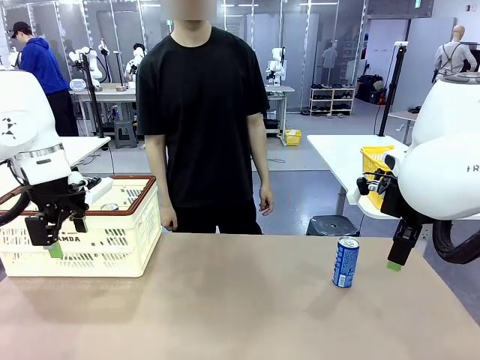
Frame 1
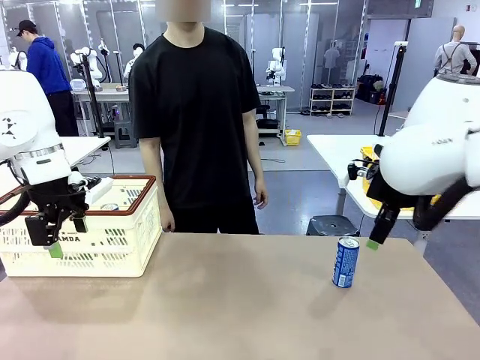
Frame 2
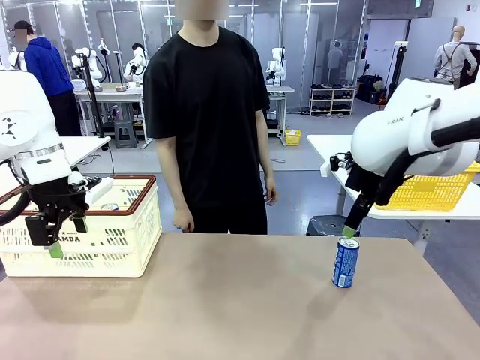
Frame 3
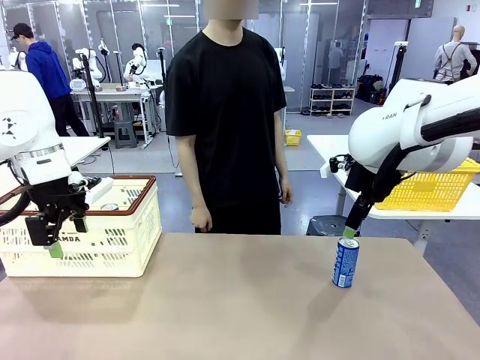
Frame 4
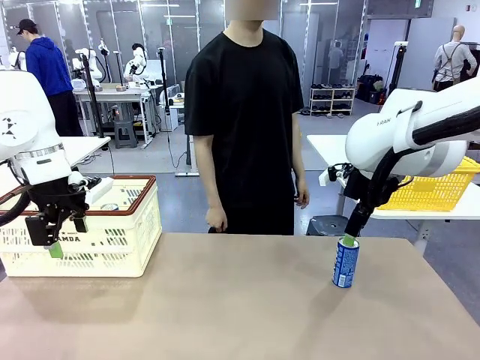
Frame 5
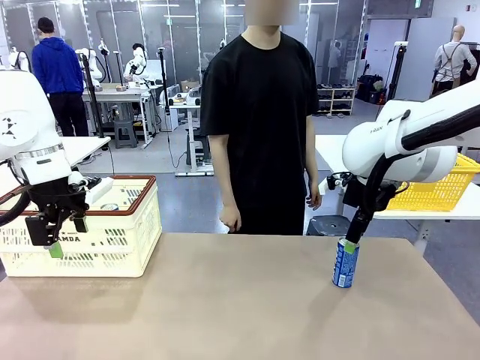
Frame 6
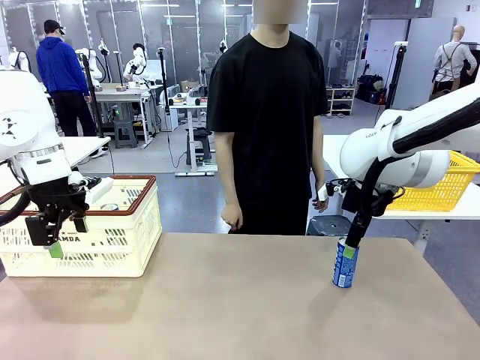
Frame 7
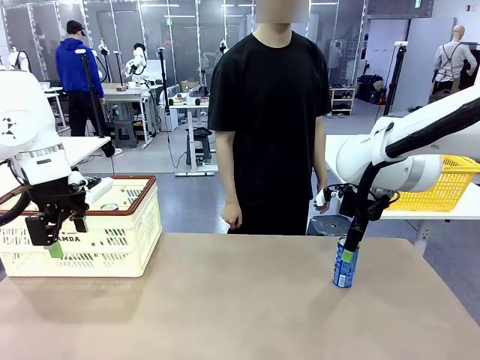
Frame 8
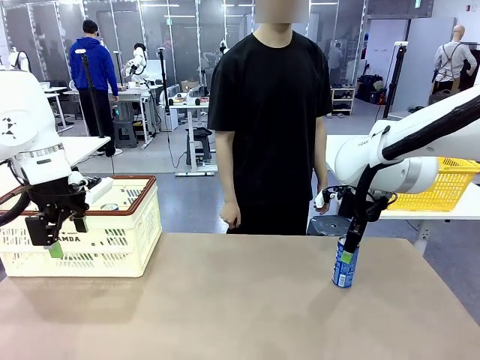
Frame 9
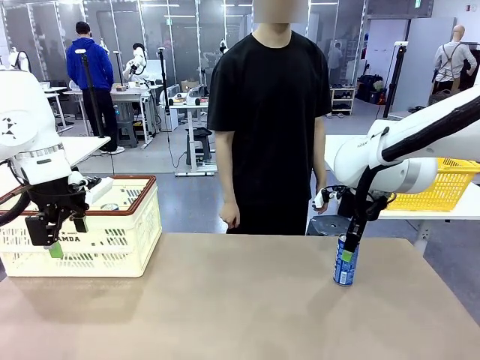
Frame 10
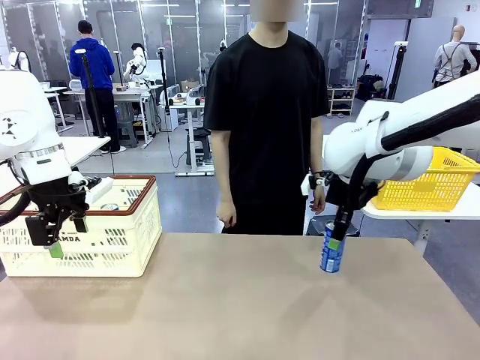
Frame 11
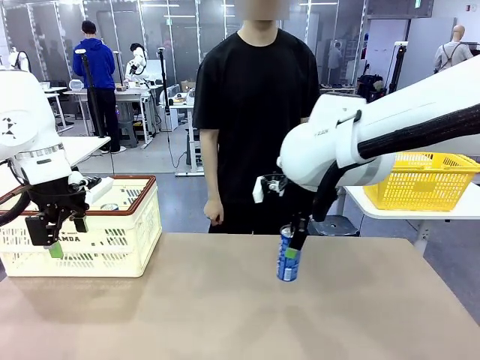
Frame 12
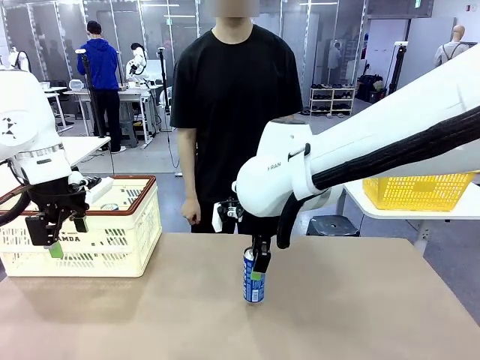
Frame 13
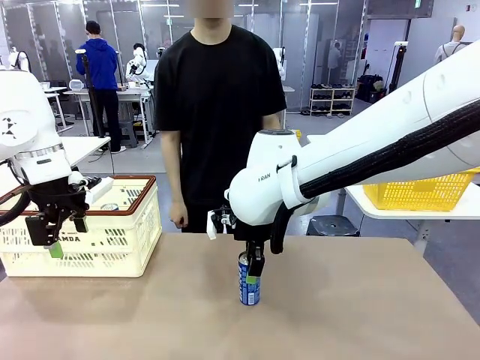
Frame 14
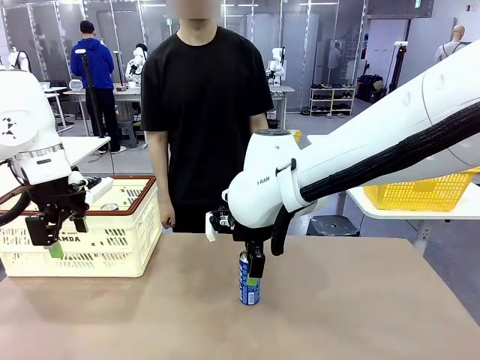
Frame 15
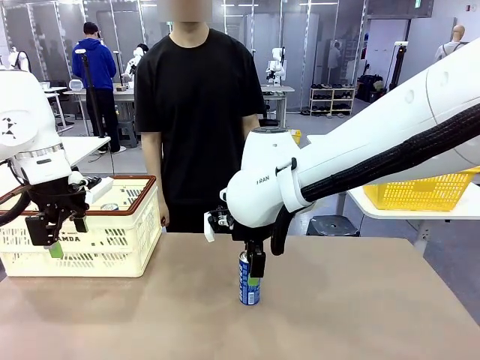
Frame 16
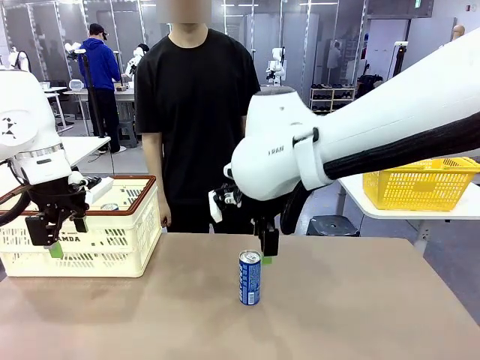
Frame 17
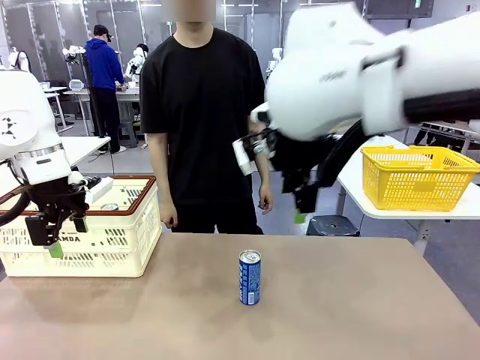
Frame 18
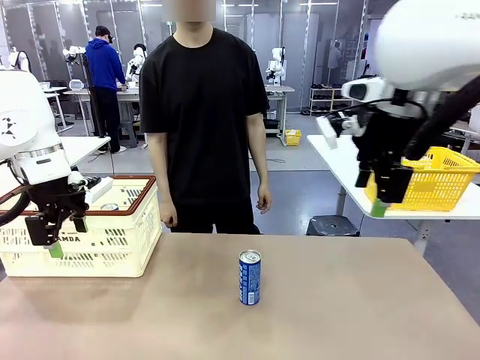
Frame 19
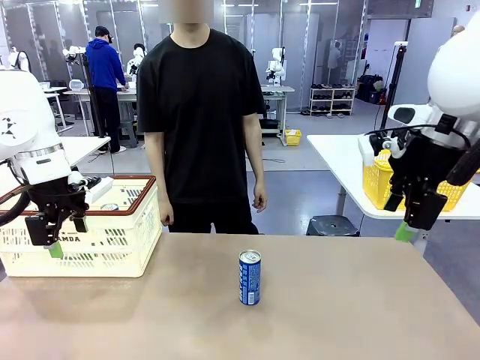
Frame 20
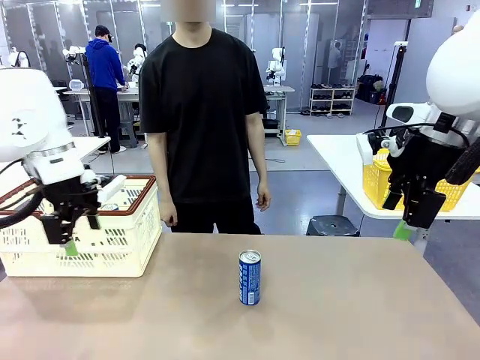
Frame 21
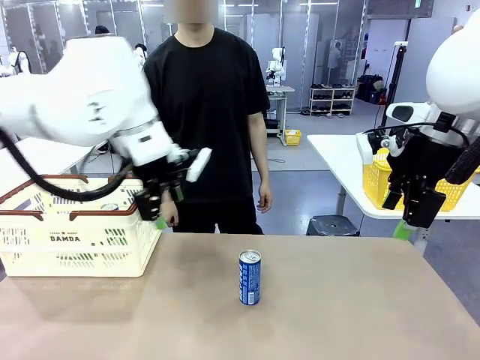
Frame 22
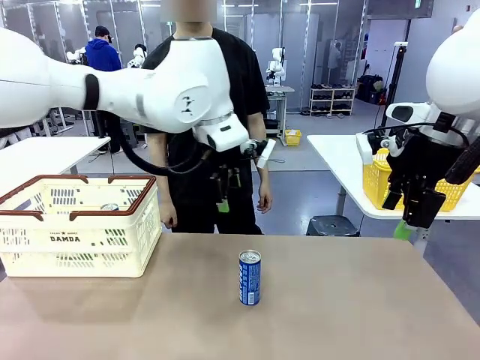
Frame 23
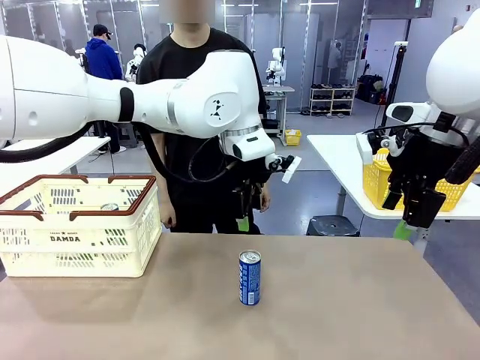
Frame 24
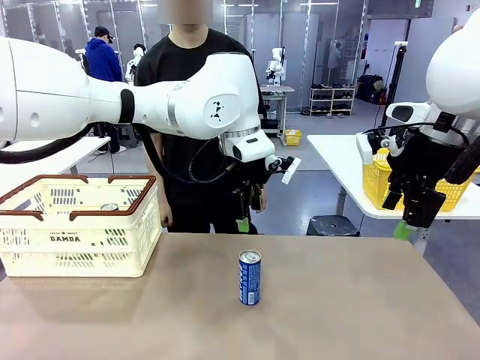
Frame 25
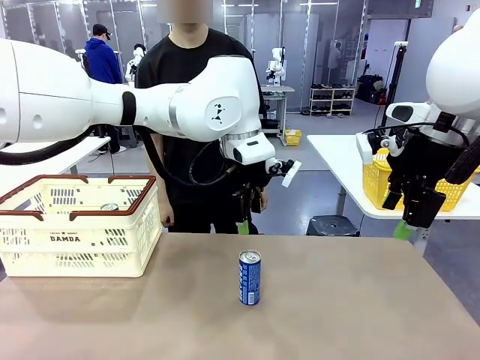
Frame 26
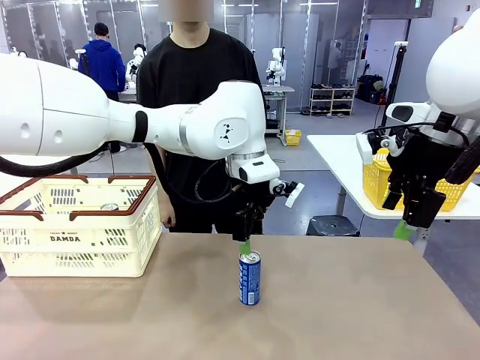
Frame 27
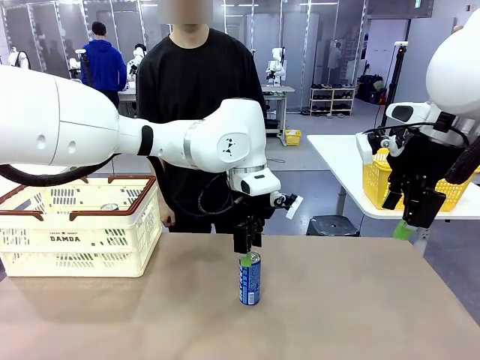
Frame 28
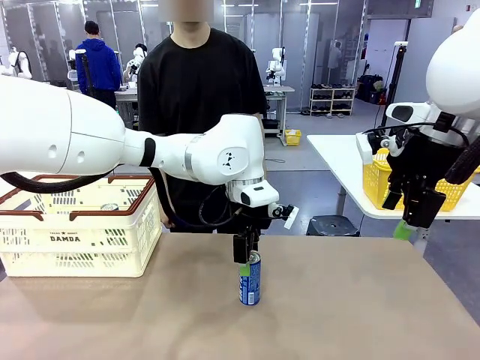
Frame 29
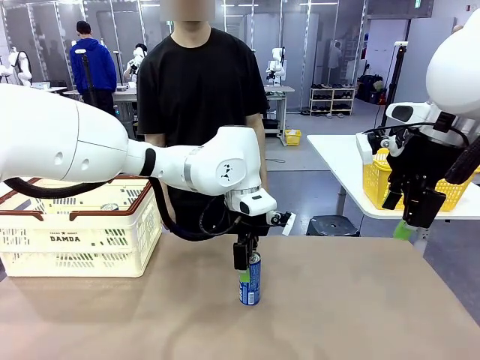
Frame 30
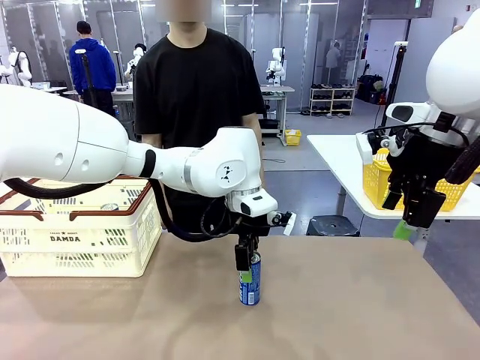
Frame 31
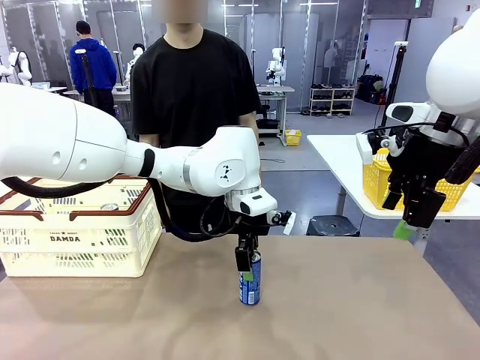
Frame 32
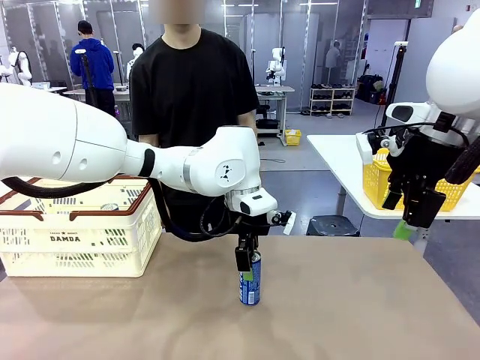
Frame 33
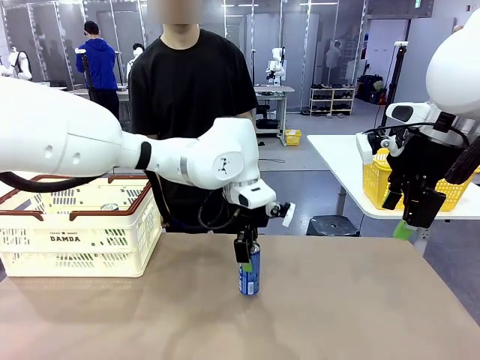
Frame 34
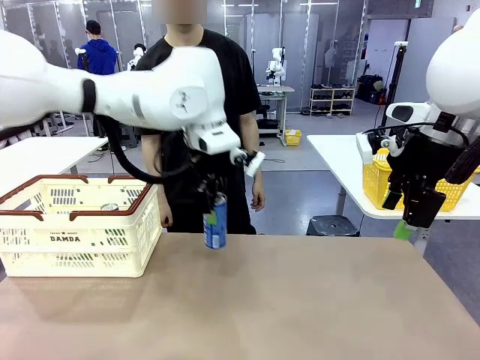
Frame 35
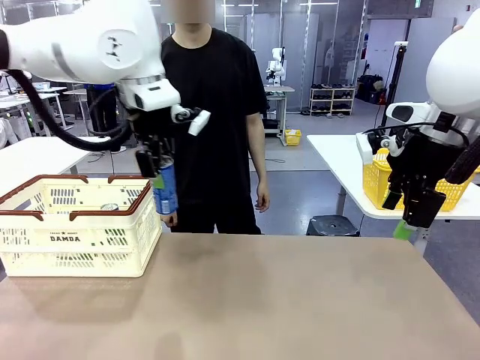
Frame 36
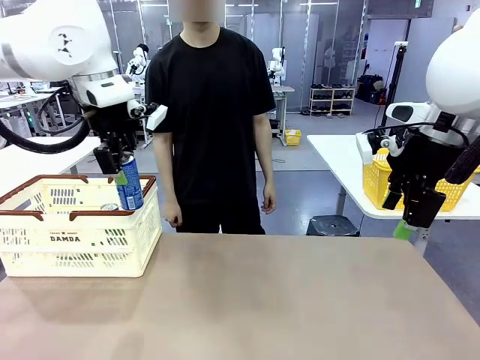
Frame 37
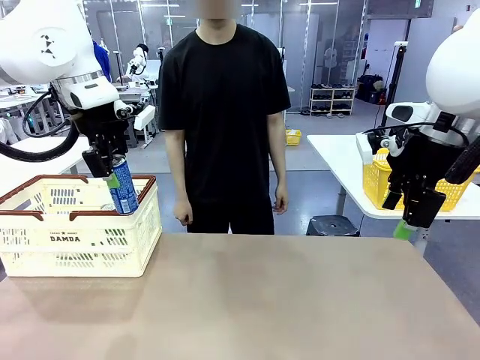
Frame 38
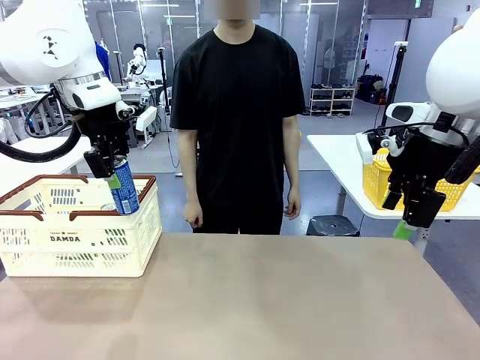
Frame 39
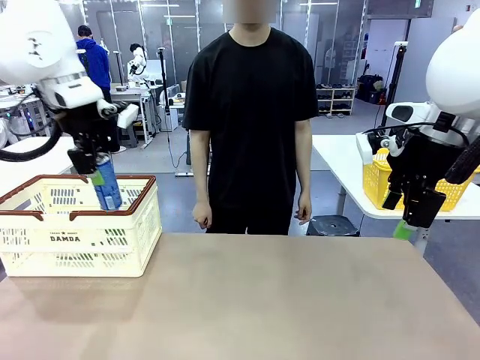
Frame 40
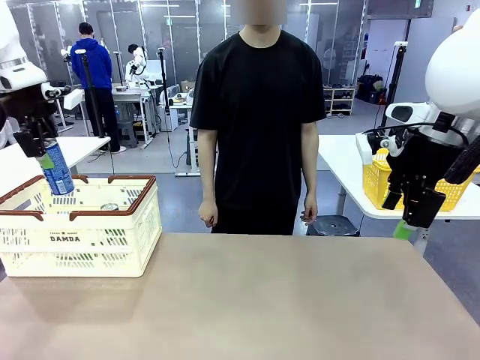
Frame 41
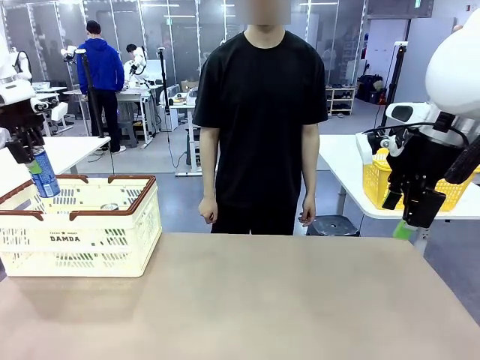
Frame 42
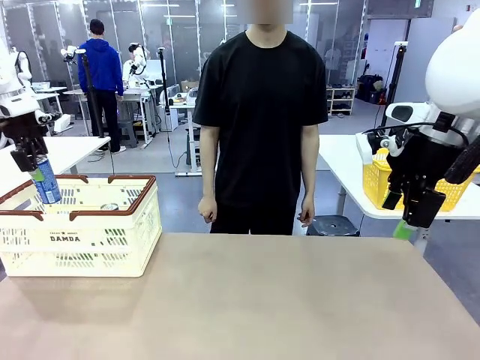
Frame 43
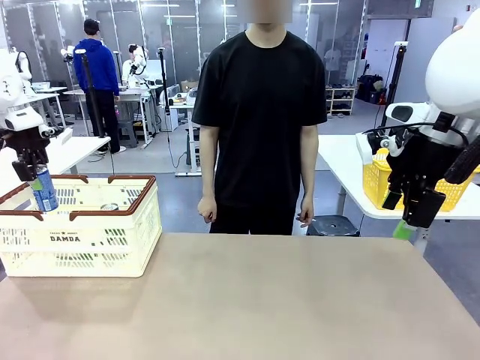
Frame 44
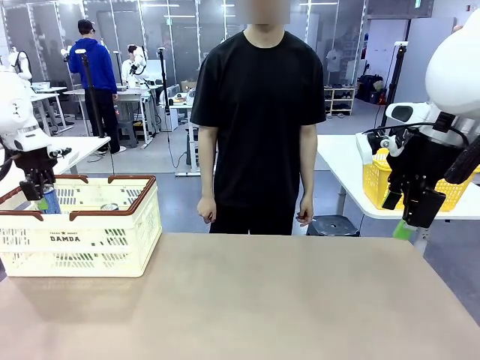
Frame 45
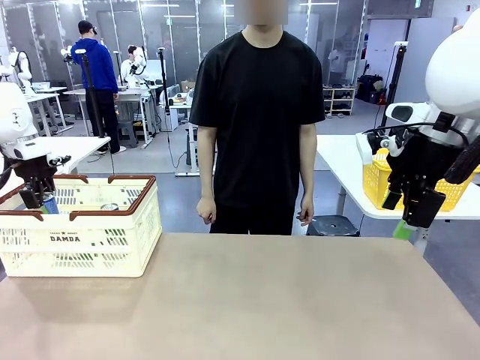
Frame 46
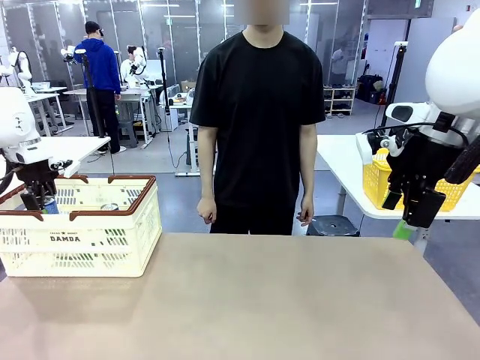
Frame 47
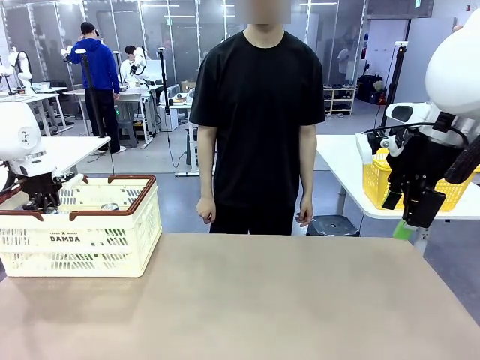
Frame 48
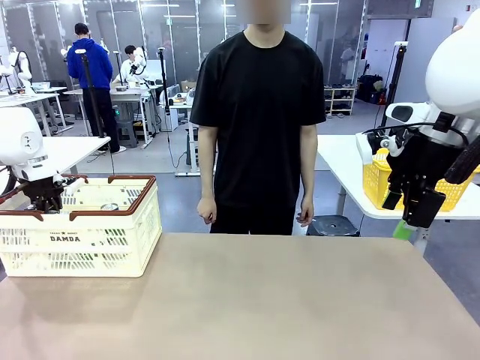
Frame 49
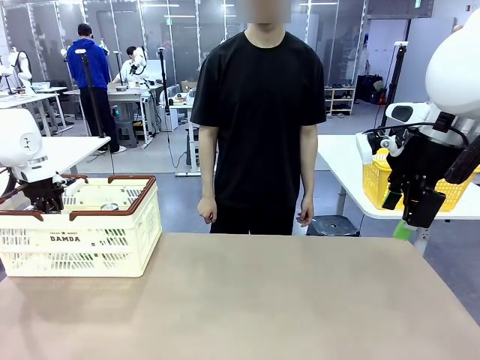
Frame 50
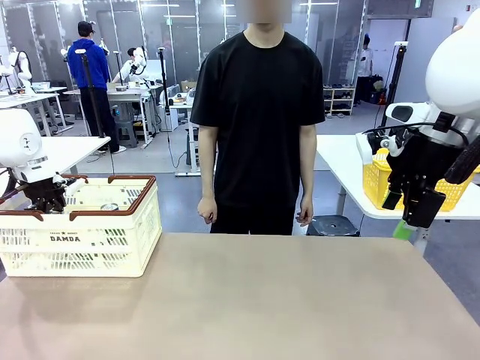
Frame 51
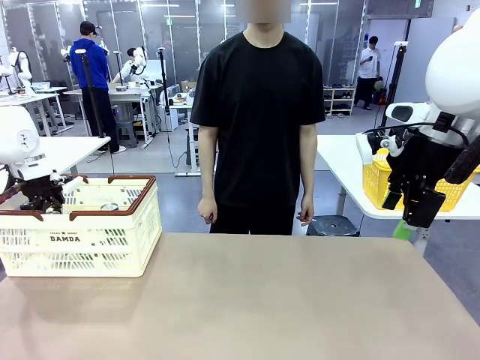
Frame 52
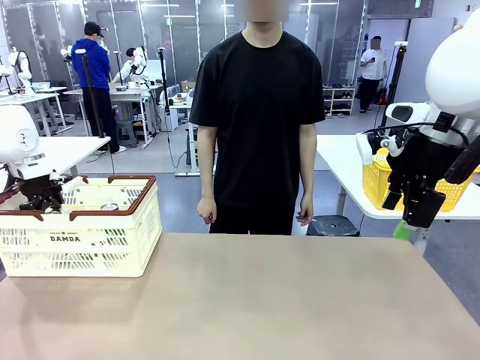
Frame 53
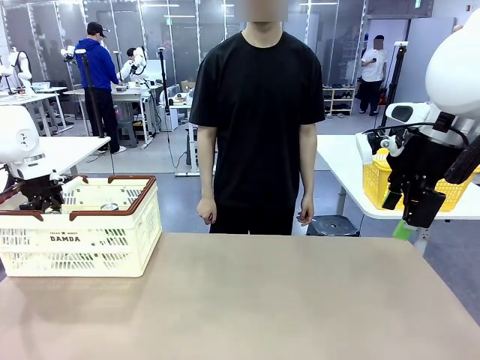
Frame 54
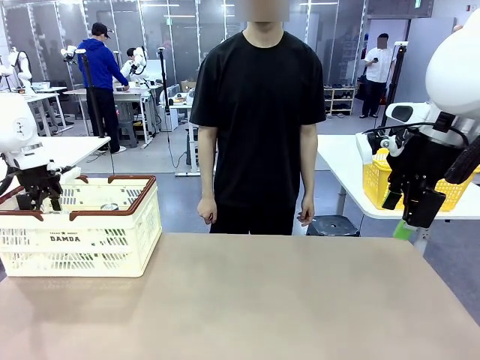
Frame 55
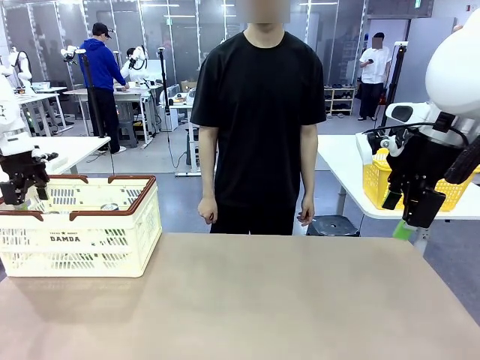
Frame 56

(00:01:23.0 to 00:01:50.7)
Task: Place the drinks into the Shopping basket.
Robot: Pick up one drink and place it into the Shopping basket.
